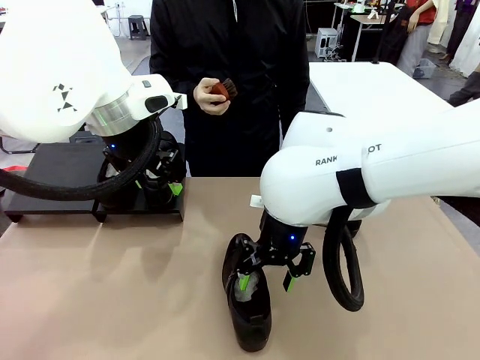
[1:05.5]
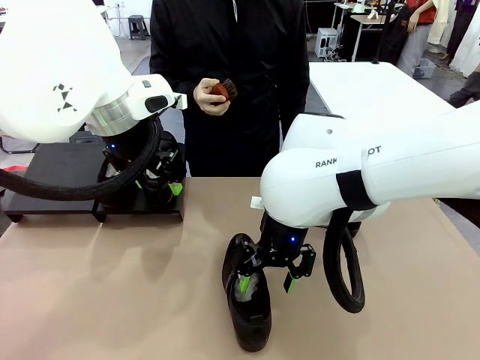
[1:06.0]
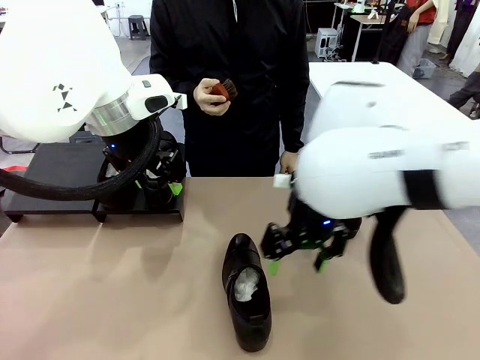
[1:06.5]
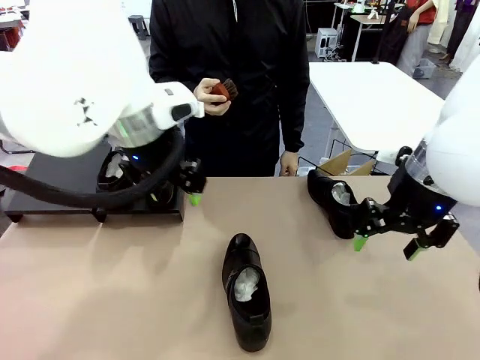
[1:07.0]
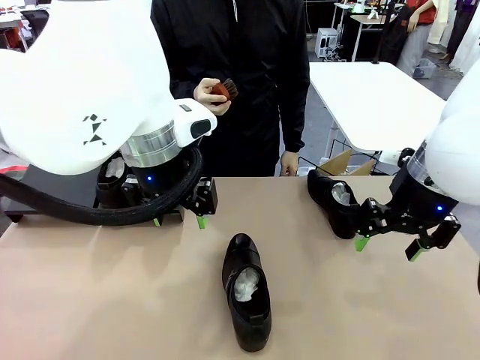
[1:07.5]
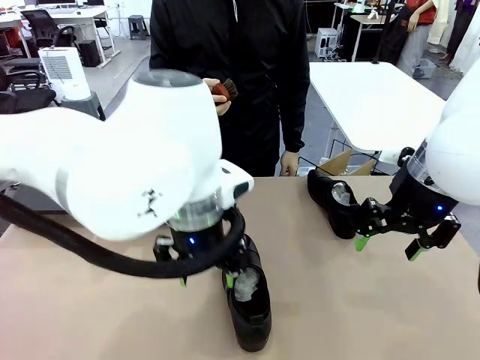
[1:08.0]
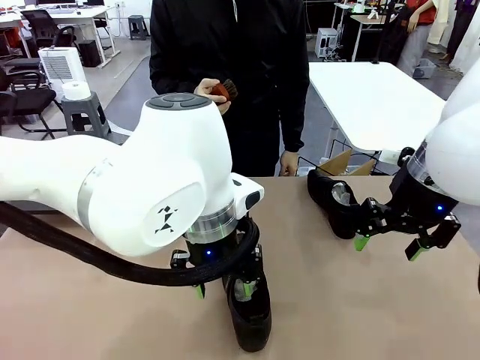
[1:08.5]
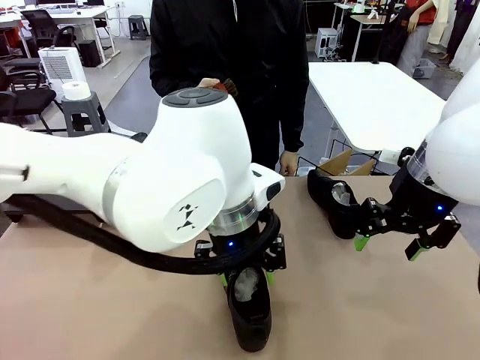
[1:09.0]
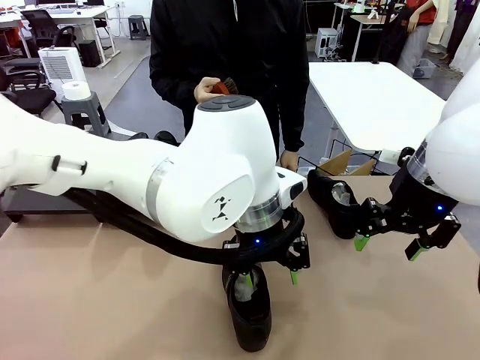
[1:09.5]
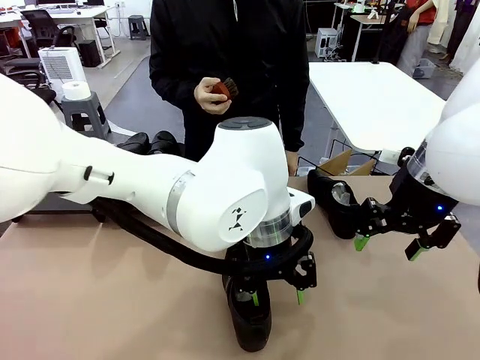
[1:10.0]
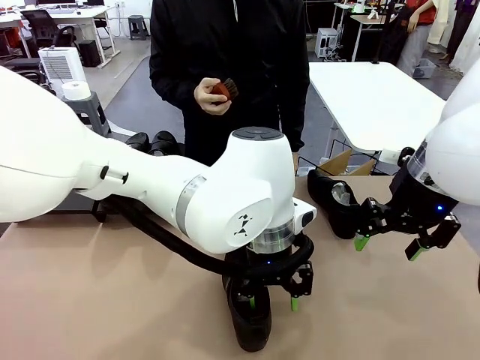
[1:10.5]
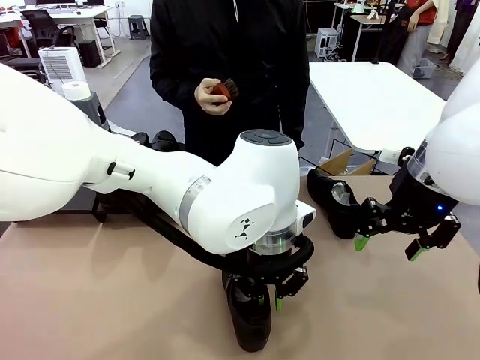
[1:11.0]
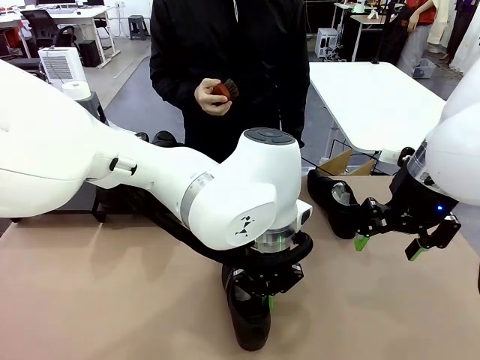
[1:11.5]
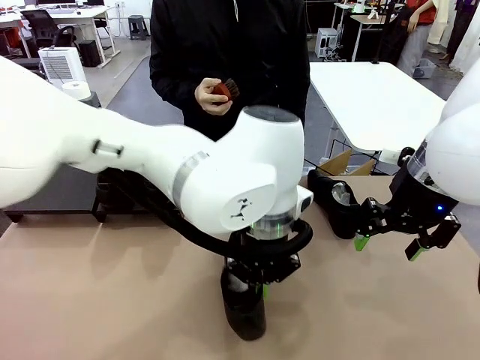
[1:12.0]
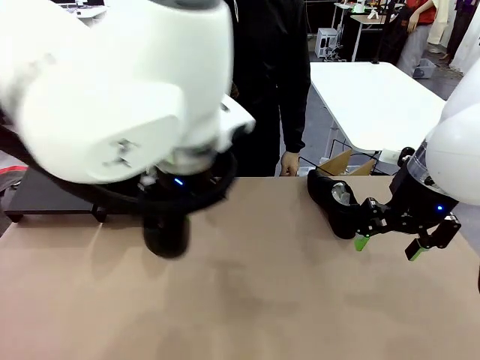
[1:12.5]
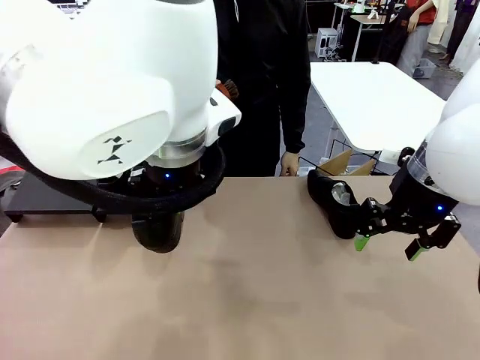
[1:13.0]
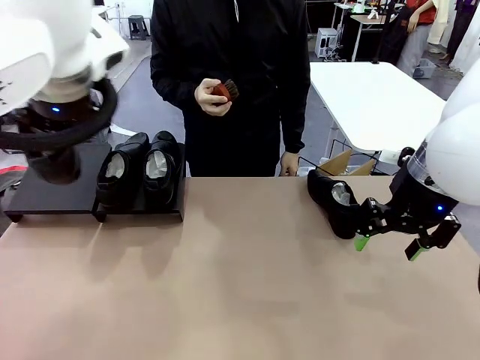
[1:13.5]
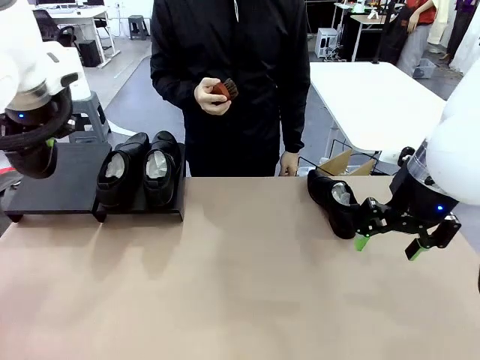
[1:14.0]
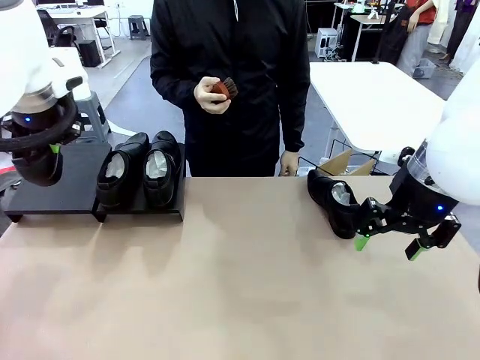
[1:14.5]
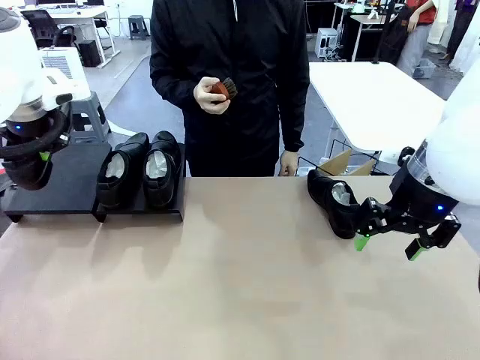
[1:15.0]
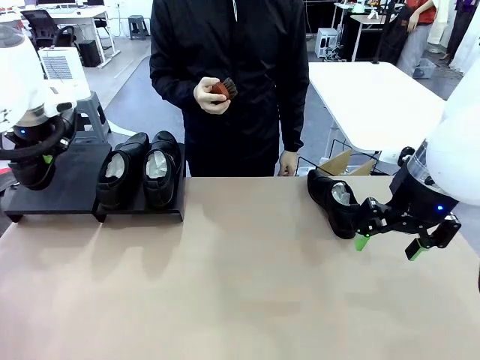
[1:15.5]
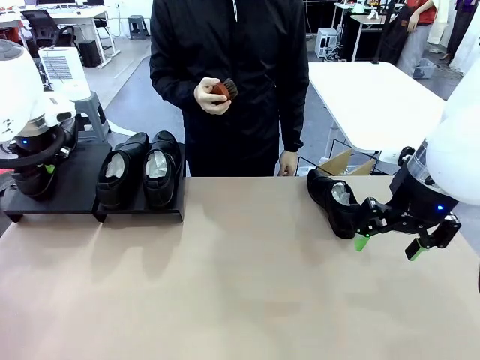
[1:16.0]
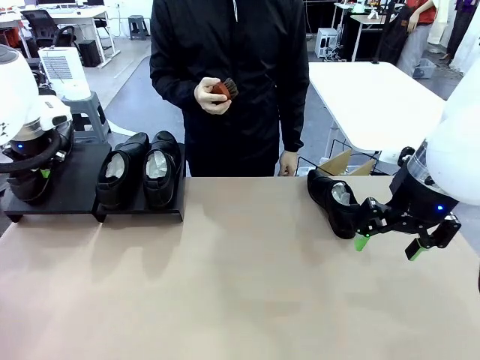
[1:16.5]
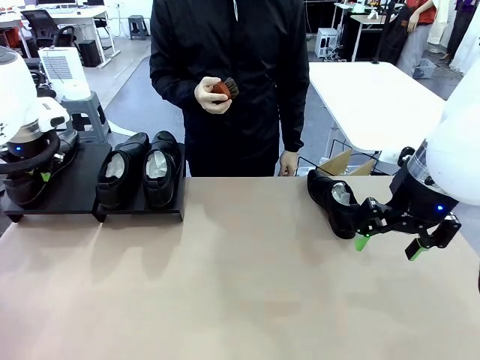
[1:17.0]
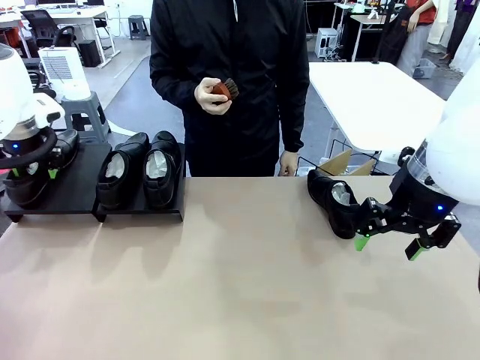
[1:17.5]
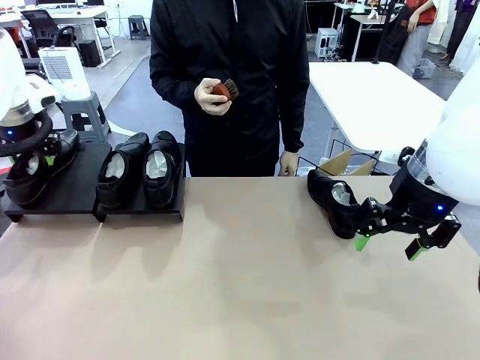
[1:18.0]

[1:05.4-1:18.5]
Task: Organize the shoes by placing them on the stand.
Robot: Place the Shoe from the middle of the table onto the Shoes Stand.

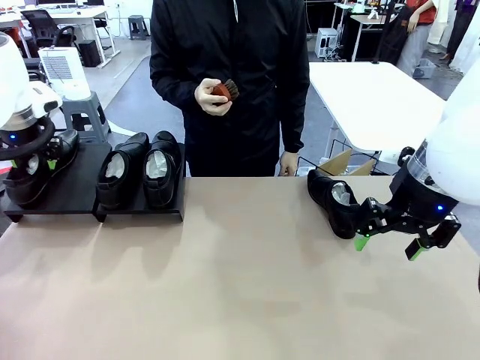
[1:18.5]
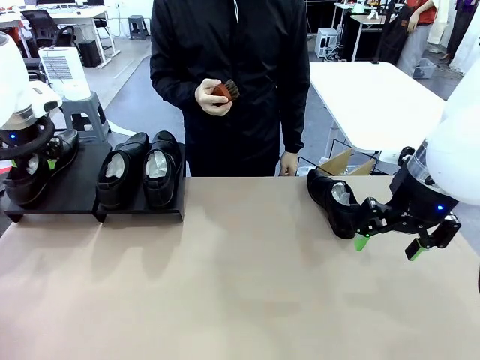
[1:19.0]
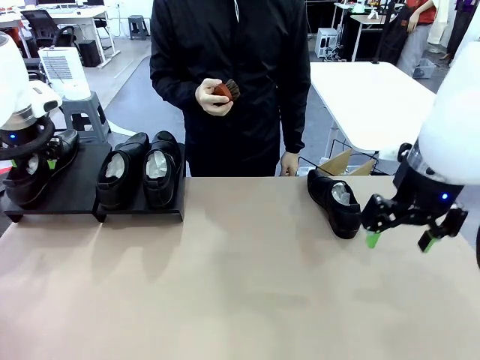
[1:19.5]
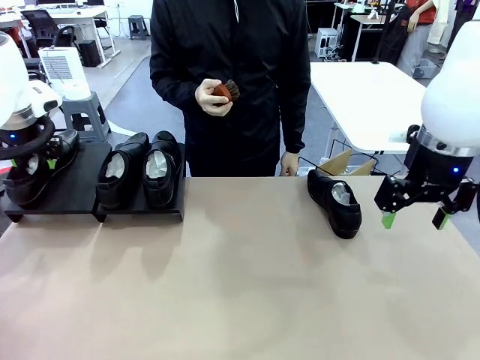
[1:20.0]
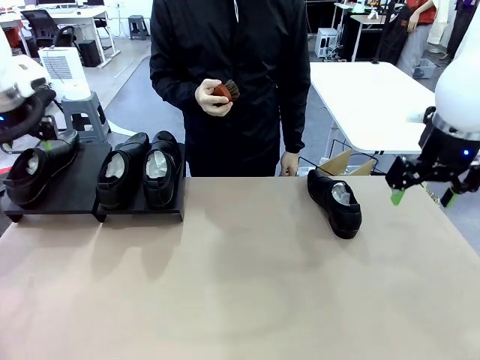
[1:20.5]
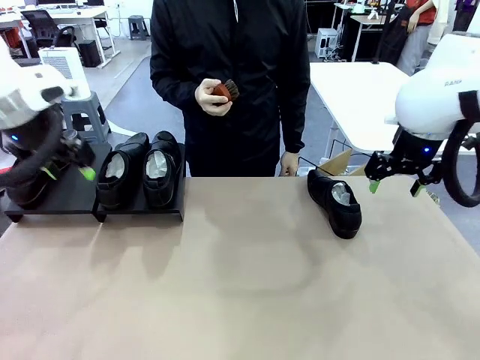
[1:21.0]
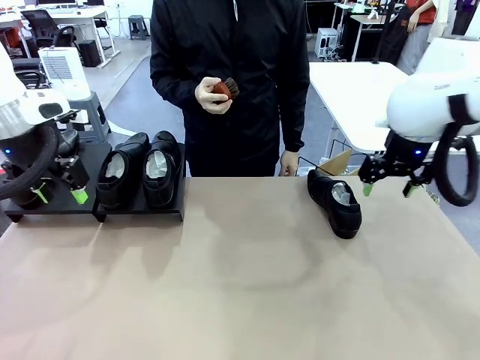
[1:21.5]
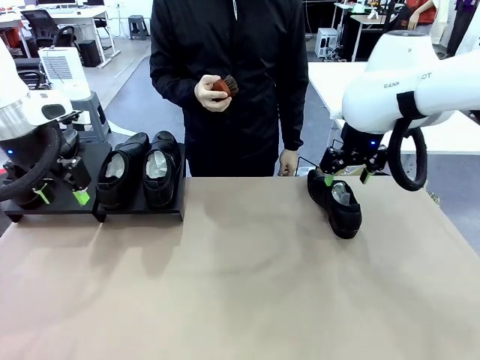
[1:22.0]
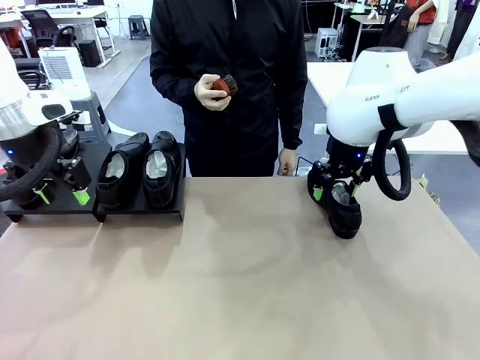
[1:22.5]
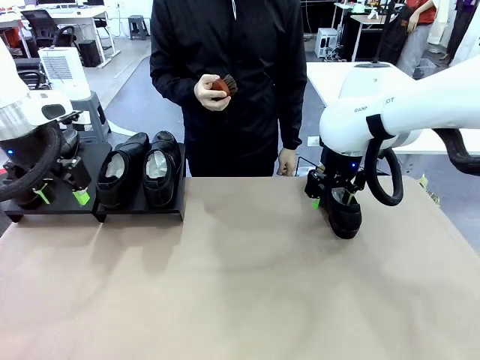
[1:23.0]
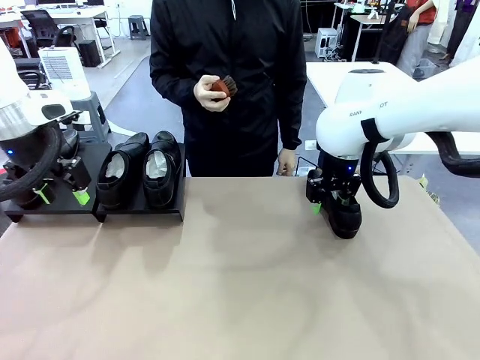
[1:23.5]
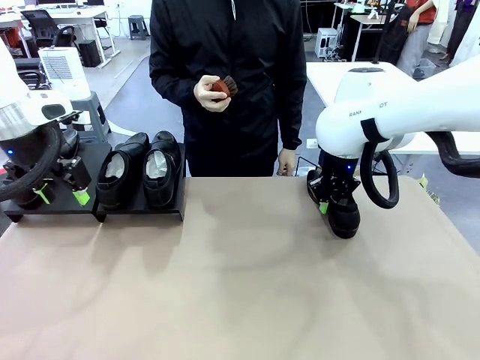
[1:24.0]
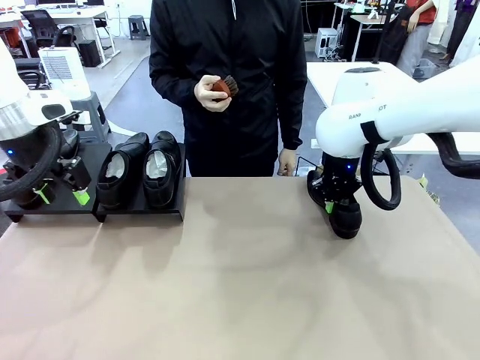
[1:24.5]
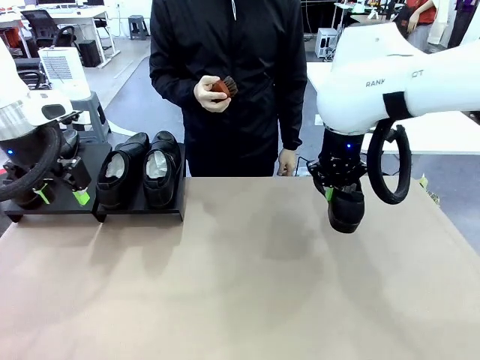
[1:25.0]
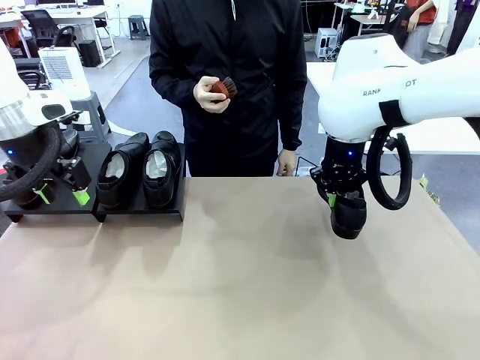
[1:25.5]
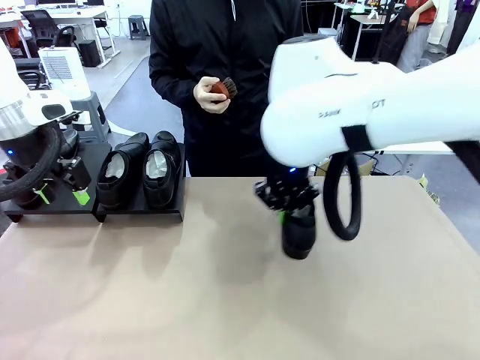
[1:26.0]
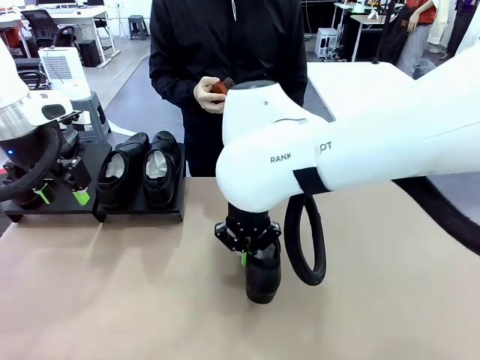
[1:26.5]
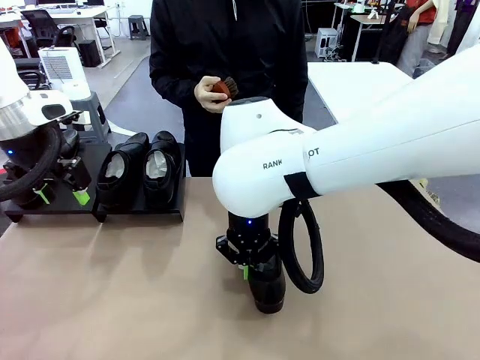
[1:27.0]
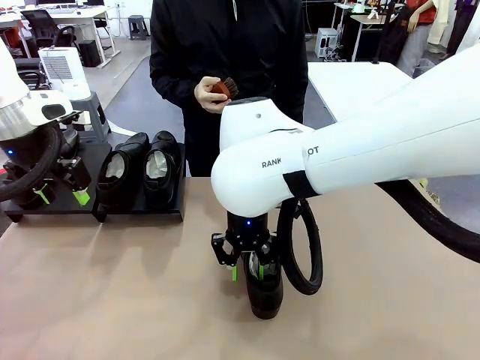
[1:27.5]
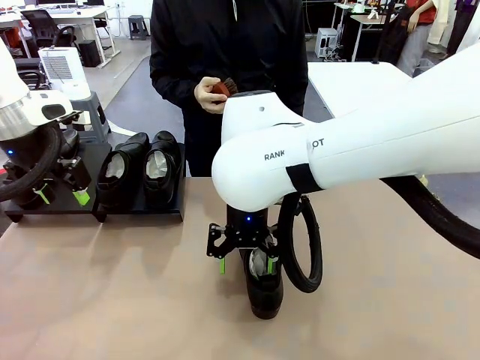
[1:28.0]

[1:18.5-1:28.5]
Robot: Pick up one Shoe and place it in the middle of the table.
